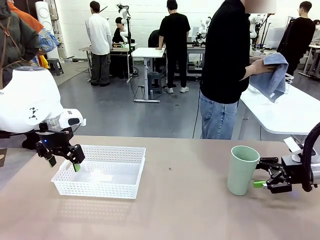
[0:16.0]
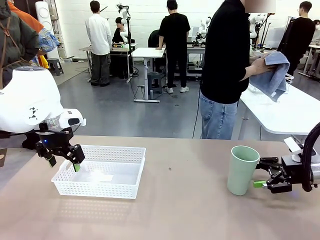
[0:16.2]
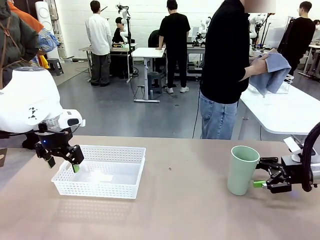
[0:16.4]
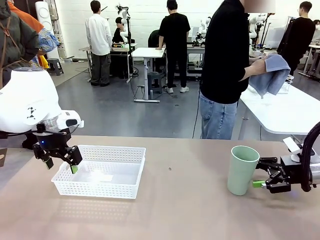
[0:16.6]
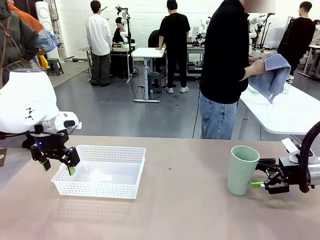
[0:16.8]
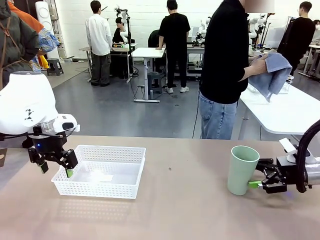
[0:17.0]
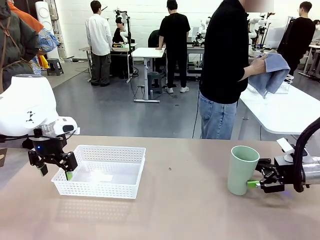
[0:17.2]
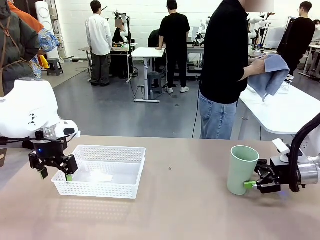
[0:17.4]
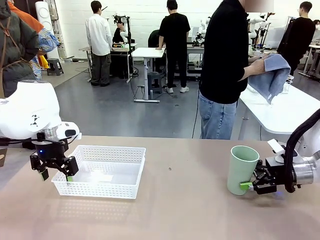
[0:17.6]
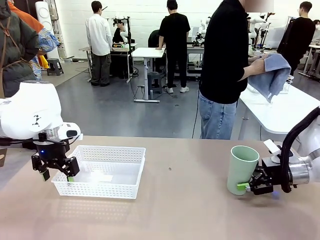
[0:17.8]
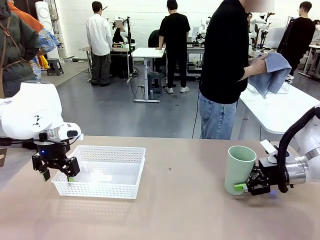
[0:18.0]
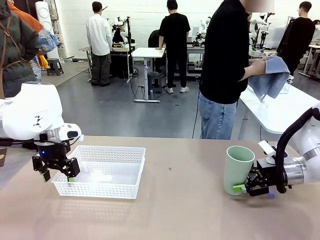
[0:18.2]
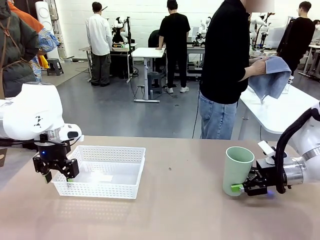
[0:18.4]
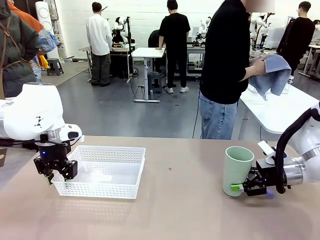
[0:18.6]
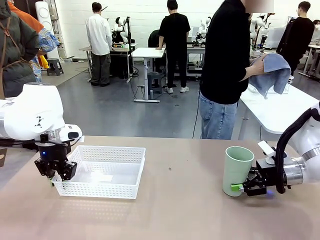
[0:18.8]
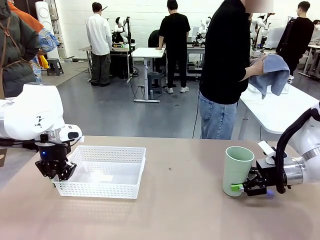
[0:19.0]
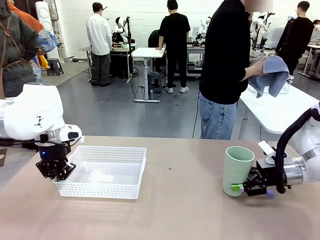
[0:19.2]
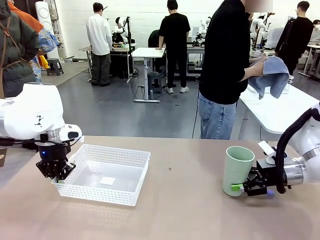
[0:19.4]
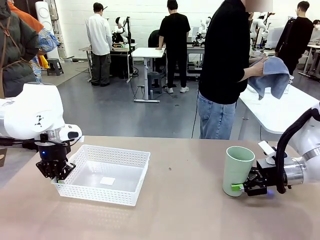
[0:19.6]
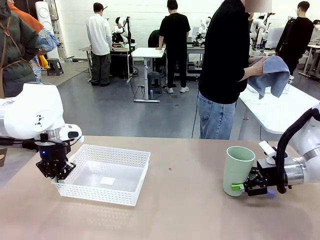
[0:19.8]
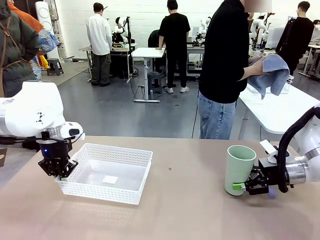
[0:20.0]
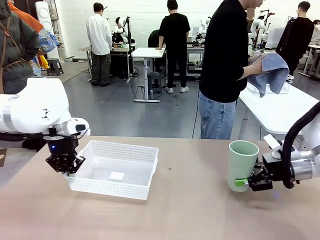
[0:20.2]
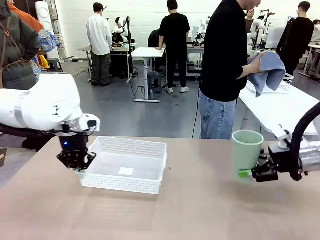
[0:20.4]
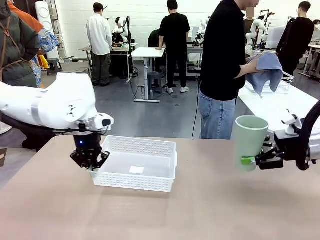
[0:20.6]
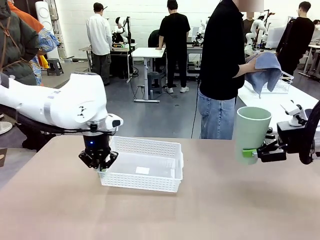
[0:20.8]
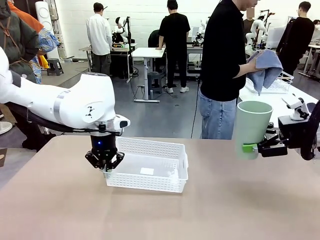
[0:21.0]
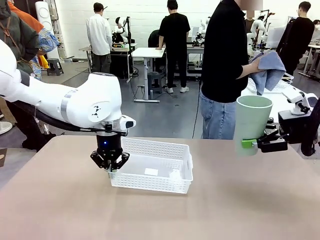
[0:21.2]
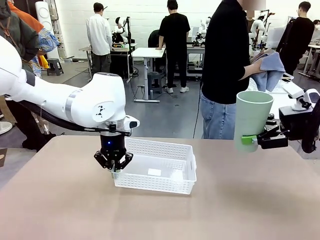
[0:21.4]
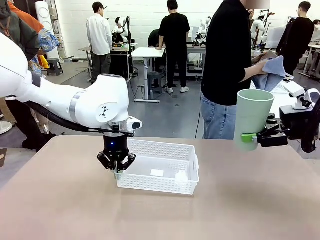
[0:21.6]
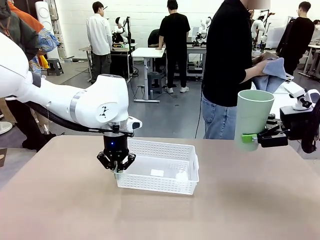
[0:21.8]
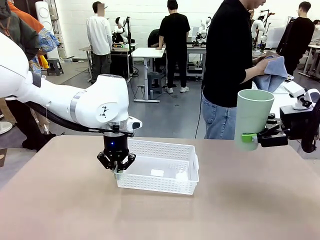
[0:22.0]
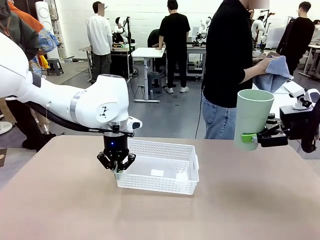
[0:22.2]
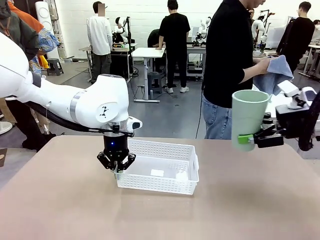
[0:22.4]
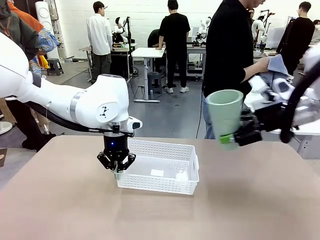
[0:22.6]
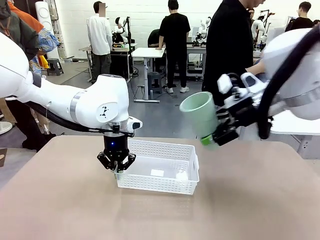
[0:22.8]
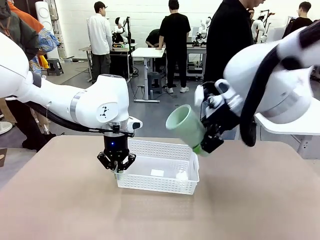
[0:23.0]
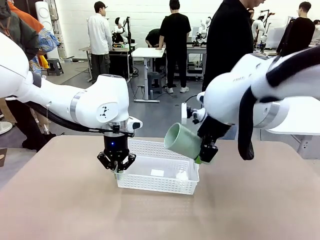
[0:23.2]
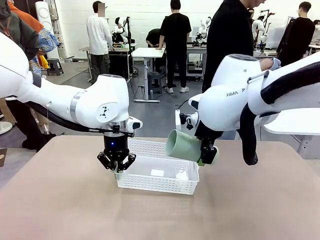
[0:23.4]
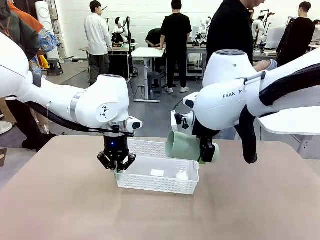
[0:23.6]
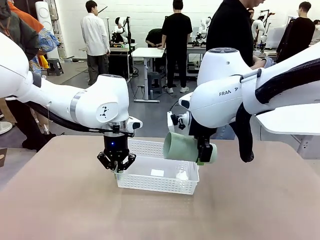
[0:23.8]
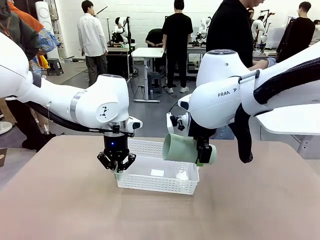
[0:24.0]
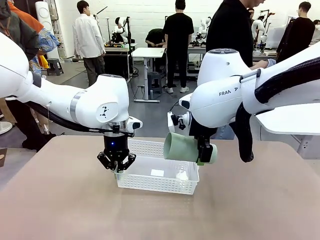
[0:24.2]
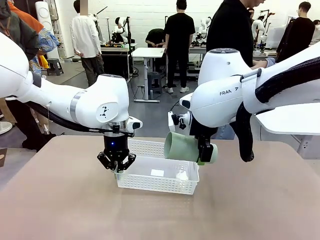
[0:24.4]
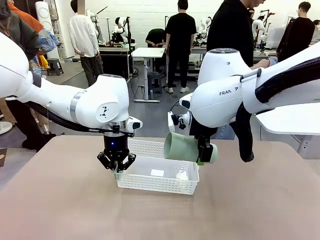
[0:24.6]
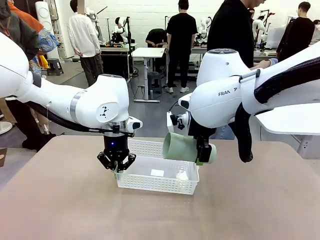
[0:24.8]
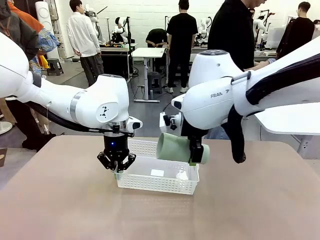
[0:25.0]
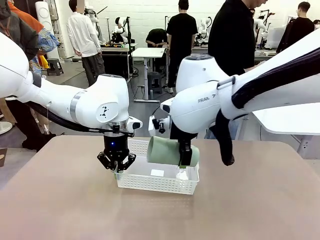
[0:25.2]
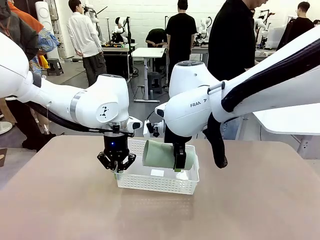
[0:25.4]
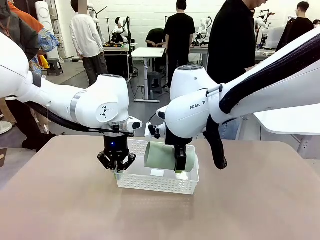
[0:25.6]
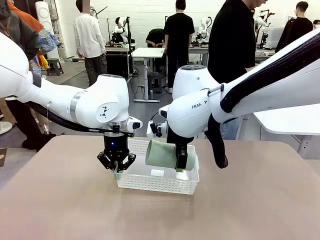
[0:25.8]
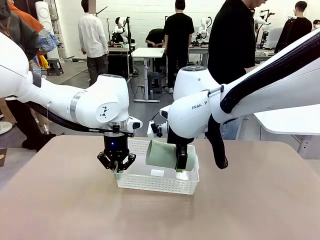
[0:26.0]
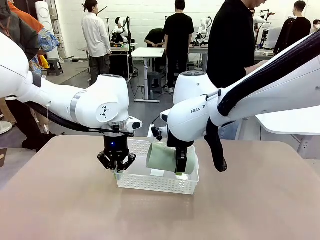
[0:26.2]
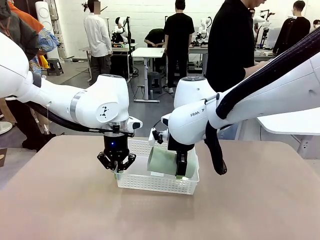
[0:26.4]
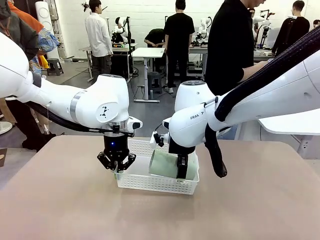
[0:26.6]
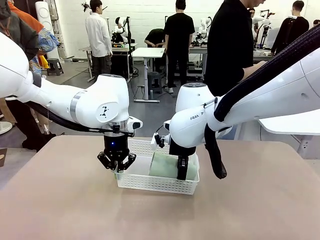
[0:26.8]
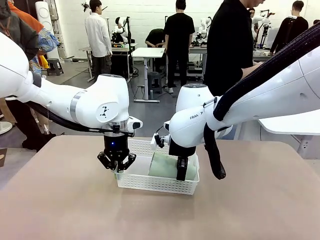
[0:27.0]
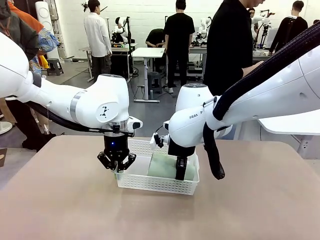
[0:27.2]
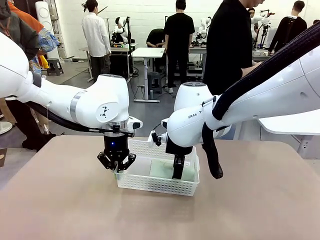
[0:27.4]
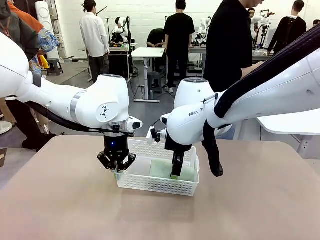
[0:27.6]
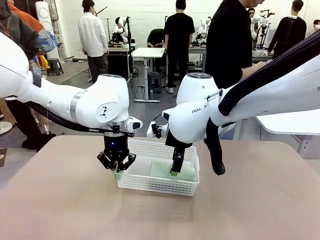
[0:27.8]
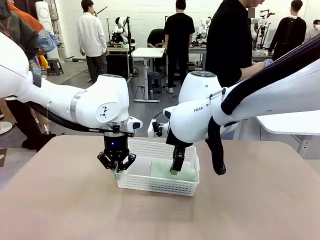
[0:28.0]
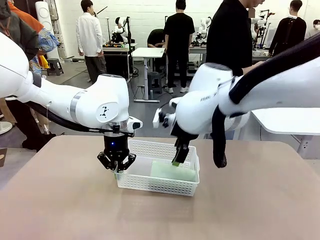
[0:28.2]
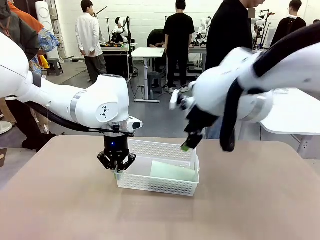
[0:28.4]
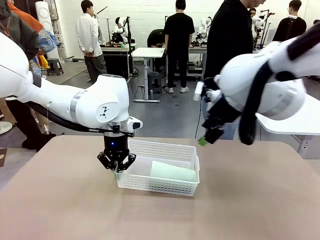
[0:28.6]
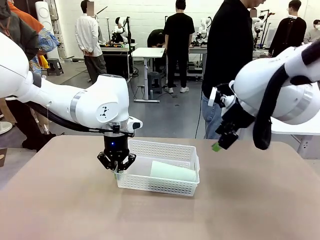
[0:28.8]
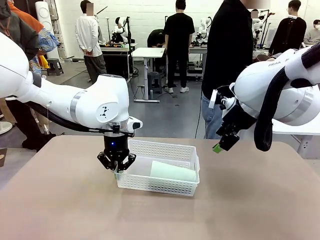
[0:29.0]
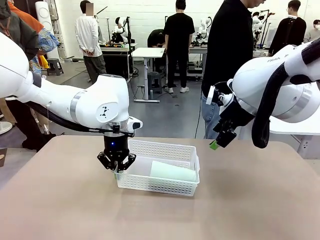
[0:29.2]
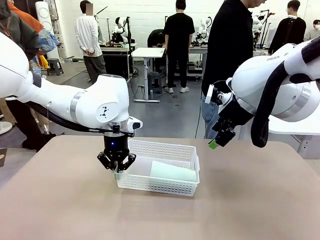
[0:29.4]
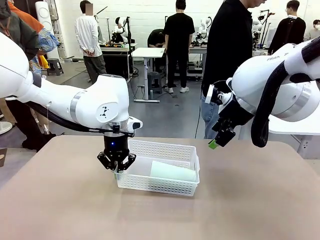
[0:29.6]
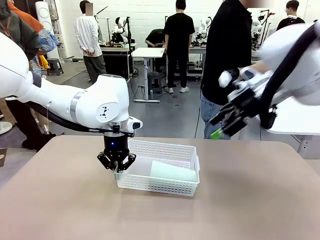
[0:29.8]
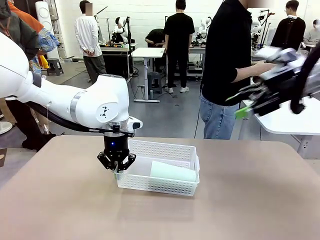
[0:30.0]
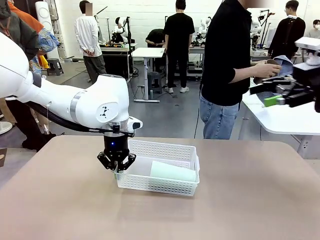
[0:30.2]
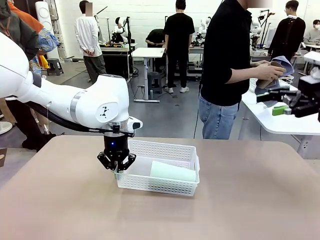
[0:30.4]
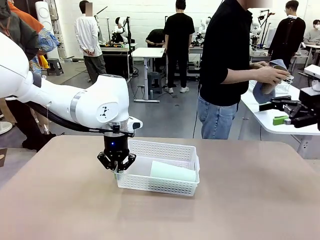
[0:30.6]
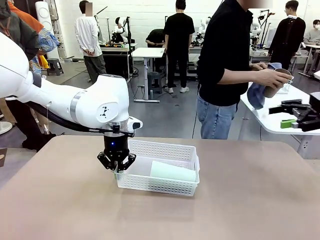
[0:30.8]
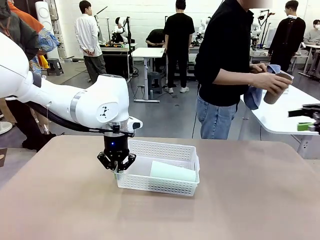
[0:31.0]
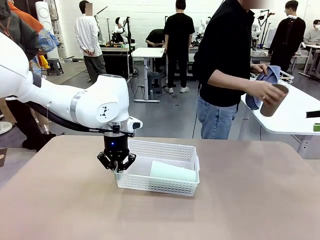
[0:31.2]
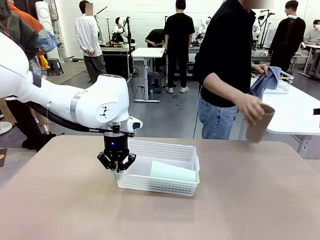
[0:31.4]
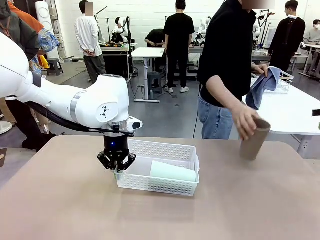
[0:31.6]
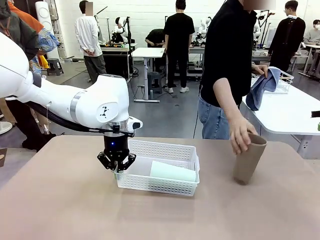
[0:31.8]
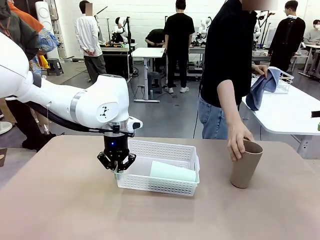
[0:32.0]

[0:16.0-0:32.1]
Task: Clean and organize the cups into the basket.
Robot: Pick up the Organizing basket and move it to the center of the table, then pick up the Reusable plastic cup from the right side of the table and place it inside the Organizing basket.
